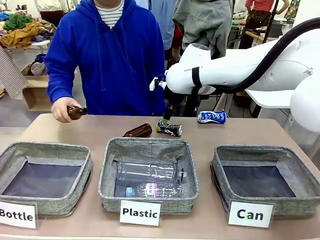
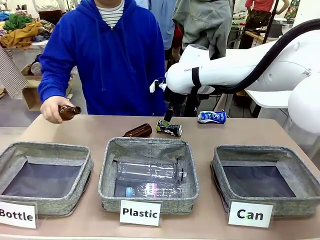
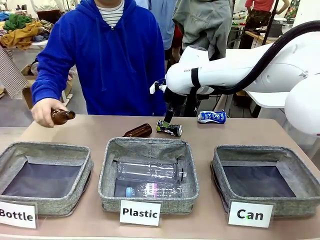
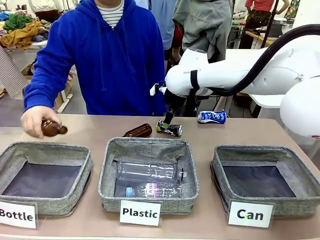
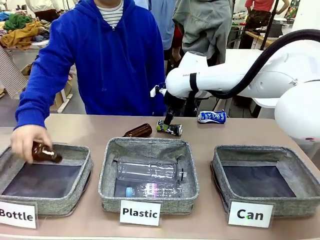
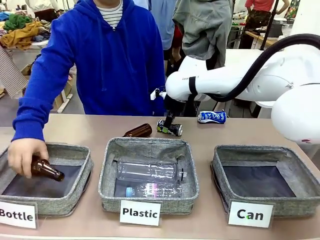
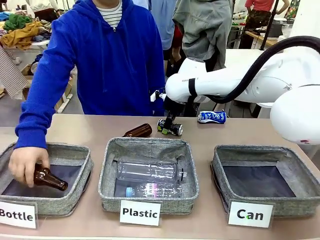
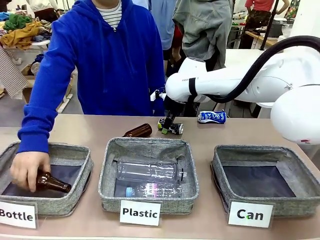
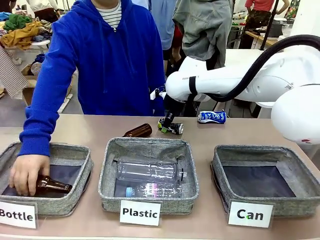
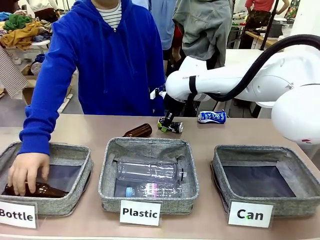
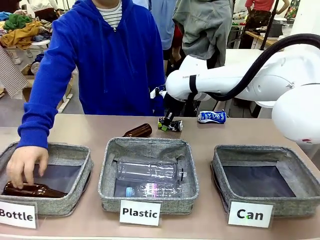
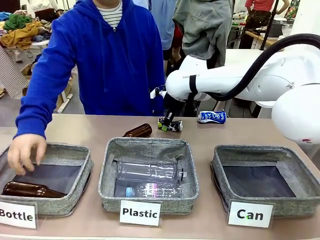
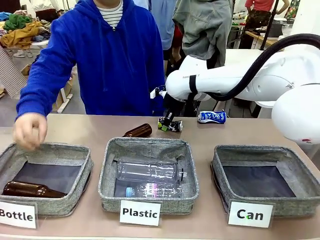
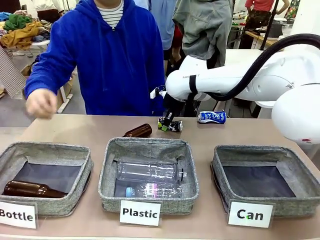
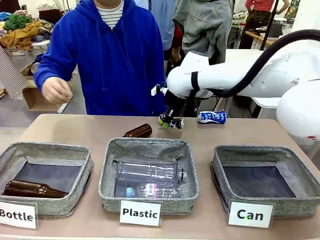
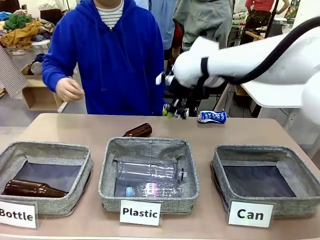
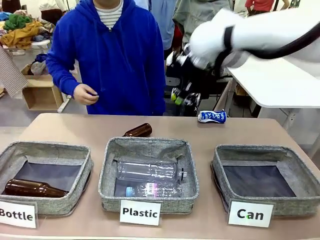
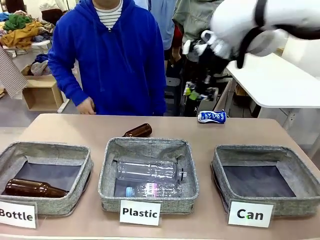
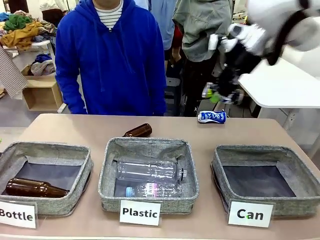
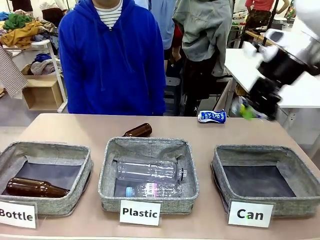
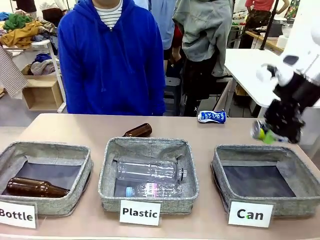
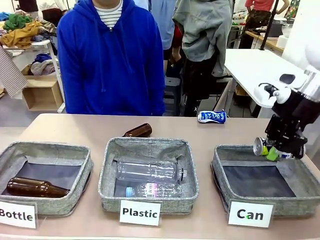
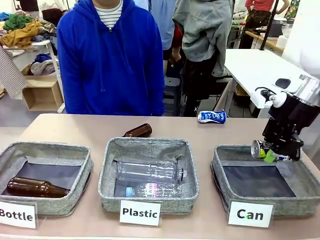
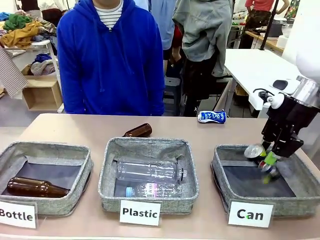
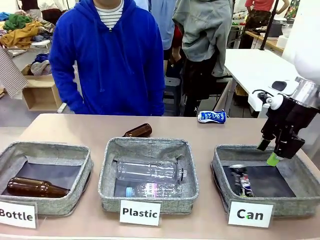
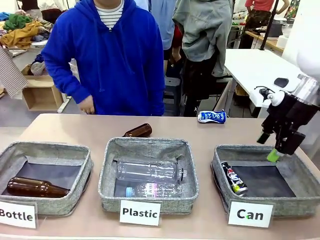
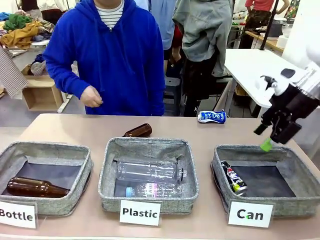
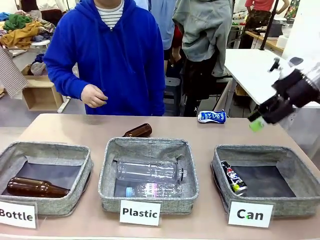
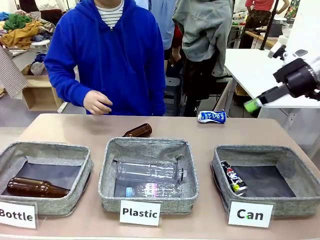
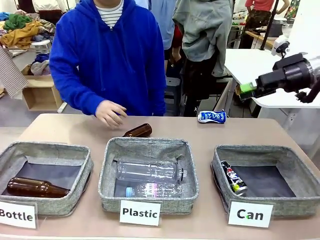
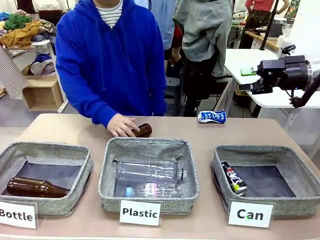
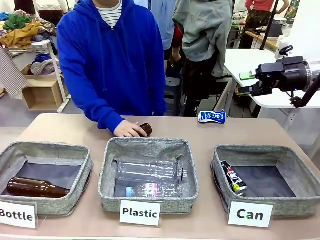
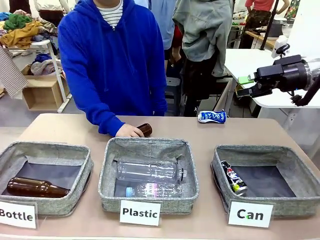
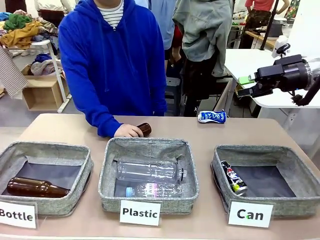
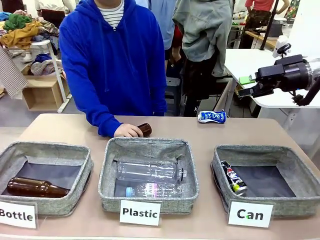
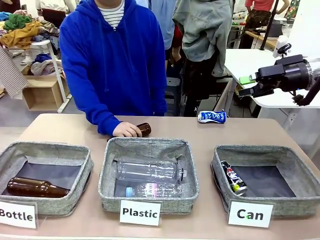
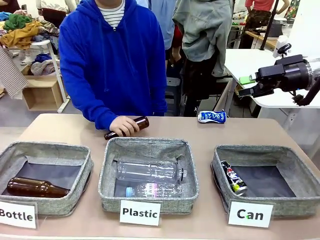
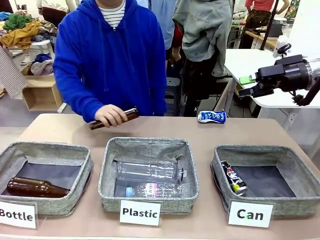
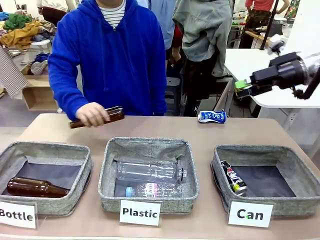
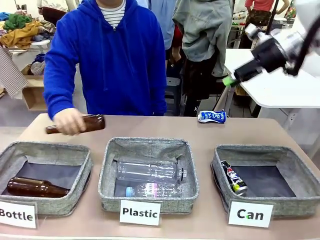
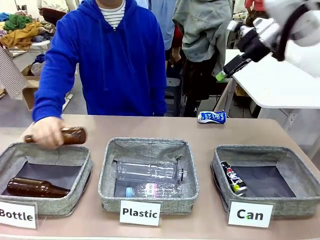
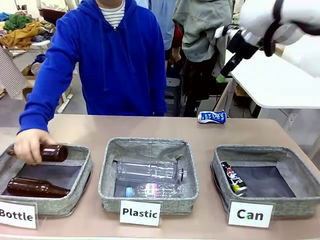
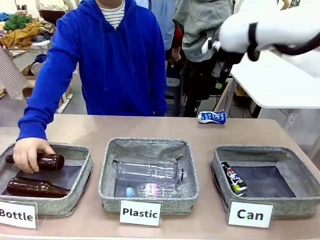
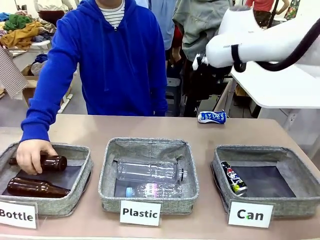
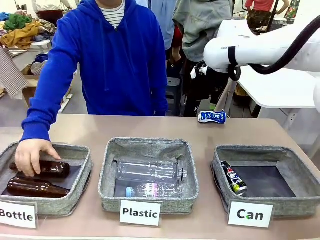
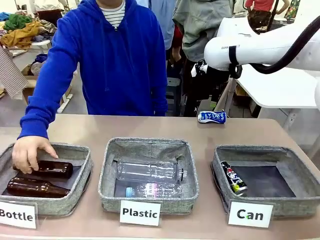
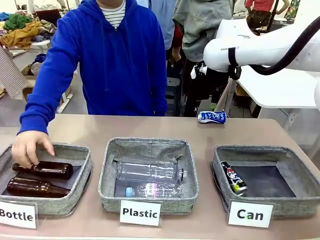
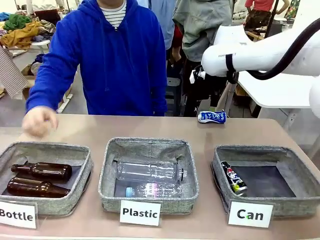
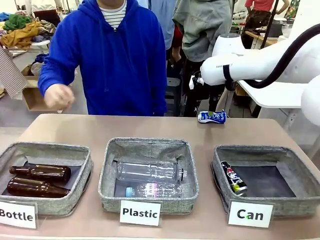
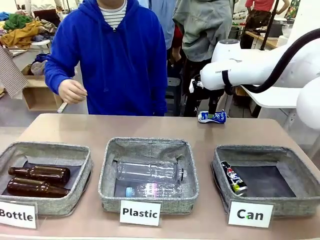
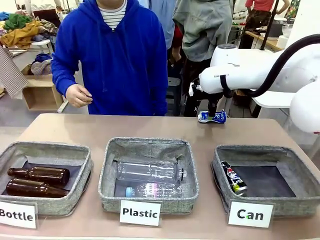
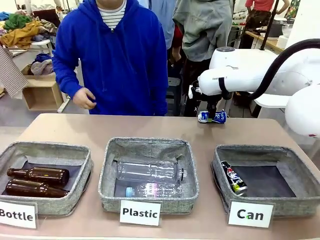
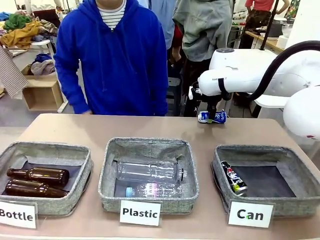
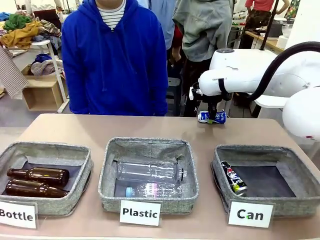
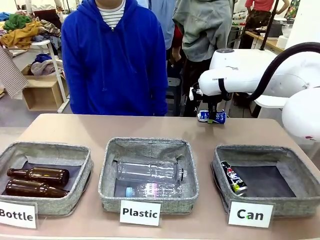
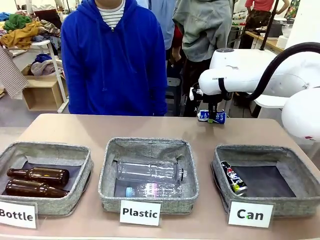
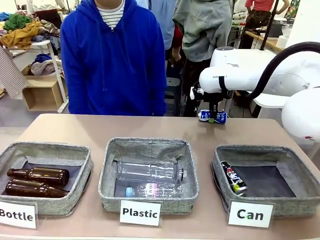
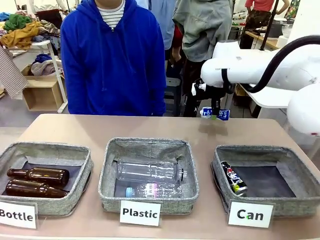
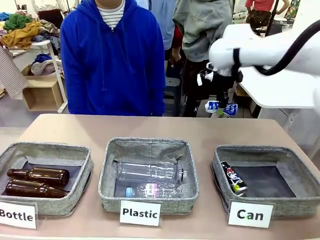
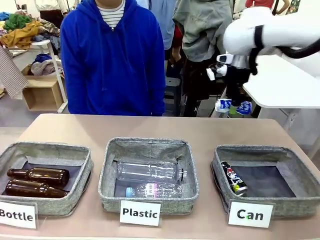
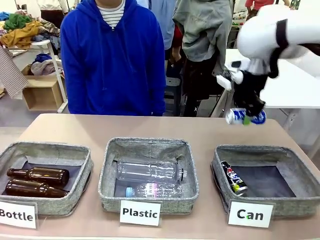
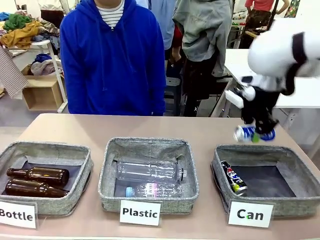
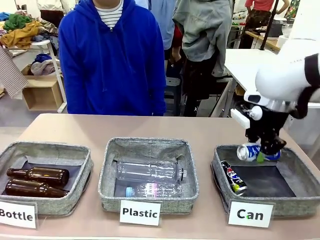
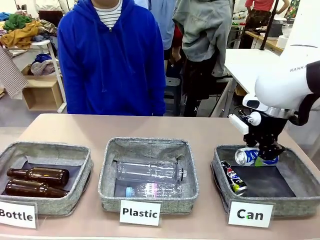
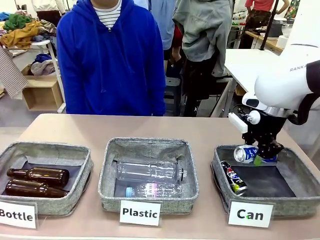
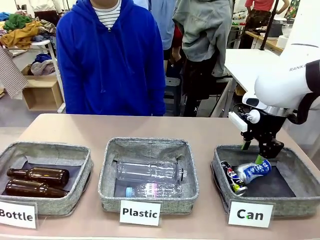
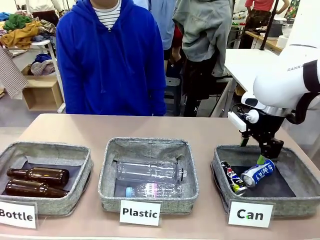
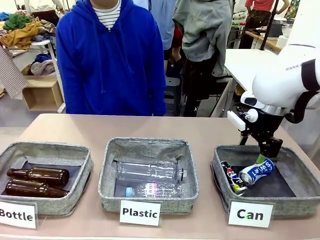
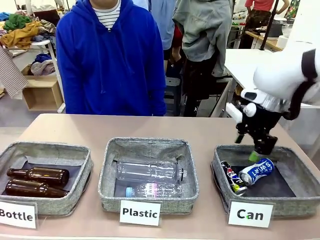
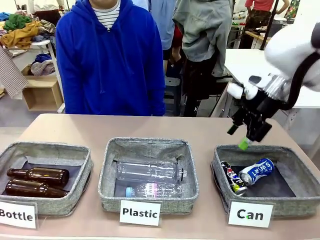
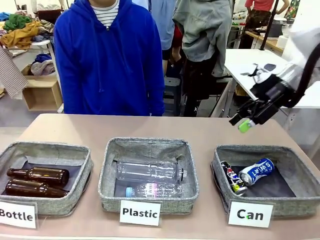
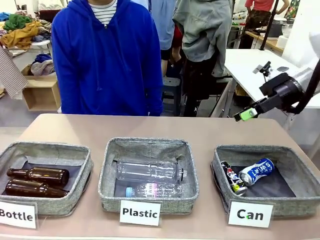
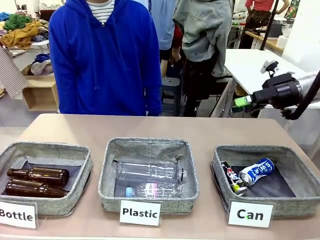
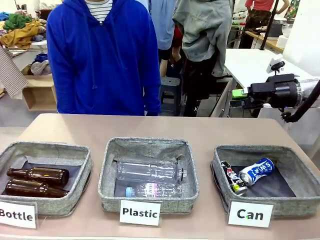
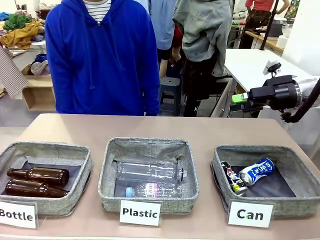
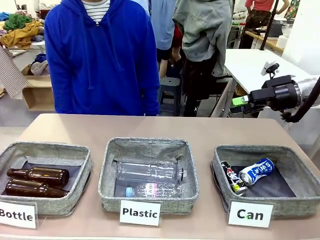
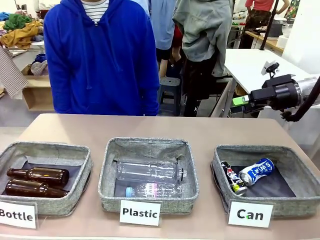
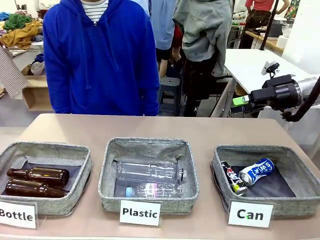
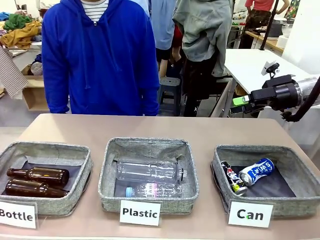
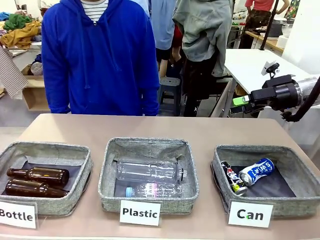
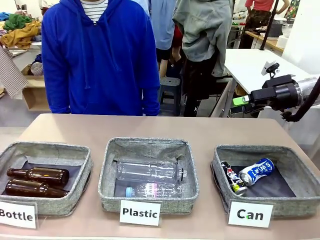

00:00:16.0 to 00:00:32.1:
Task: Sort the can waste into the basket.
Robot: Pick up the can waste from the table and place it in the right Fabric basket.
Person: The human picks up one piece of trash that is not a can and places the trash into the appropriate organizing basket.
